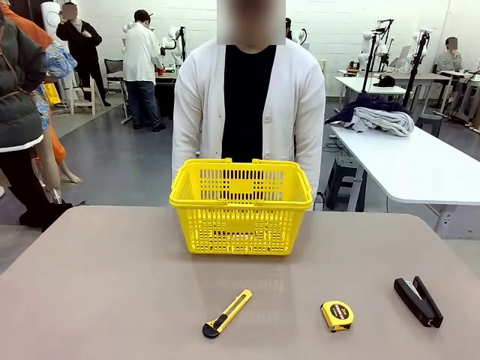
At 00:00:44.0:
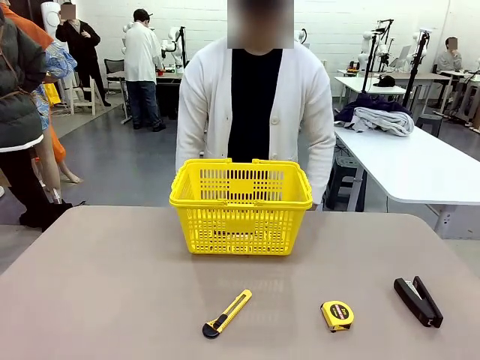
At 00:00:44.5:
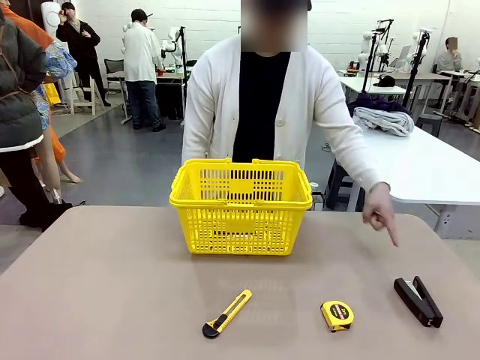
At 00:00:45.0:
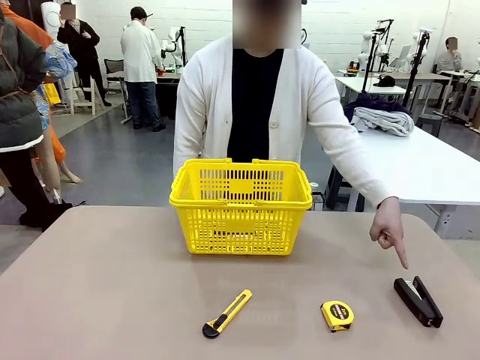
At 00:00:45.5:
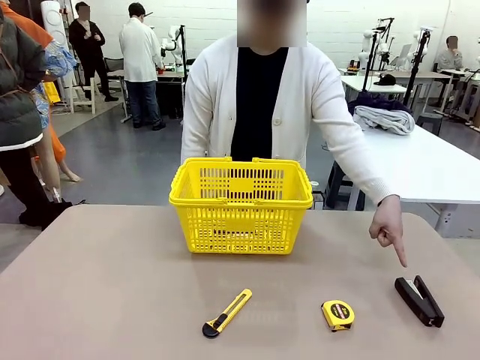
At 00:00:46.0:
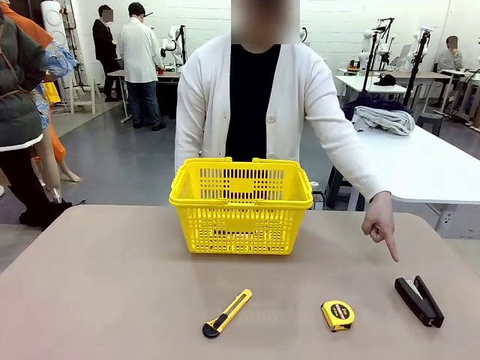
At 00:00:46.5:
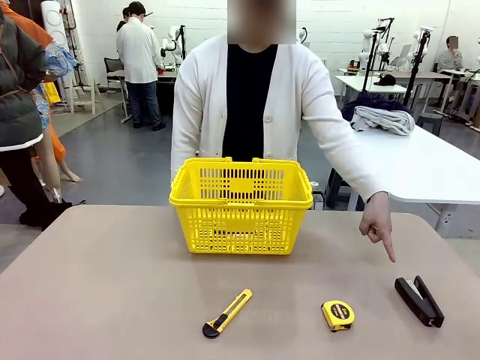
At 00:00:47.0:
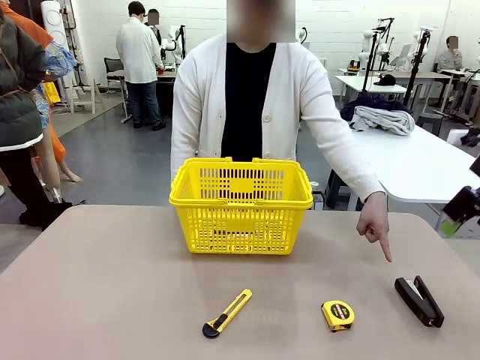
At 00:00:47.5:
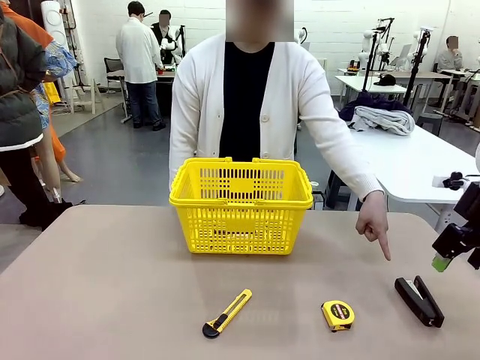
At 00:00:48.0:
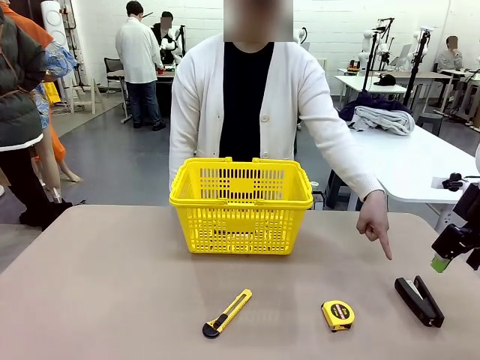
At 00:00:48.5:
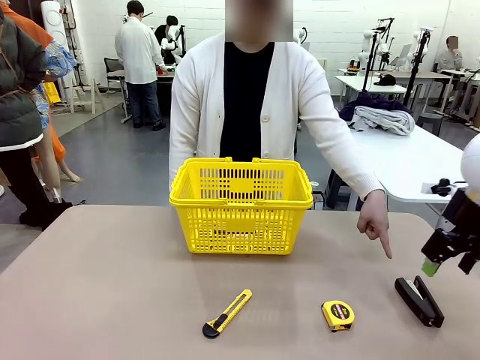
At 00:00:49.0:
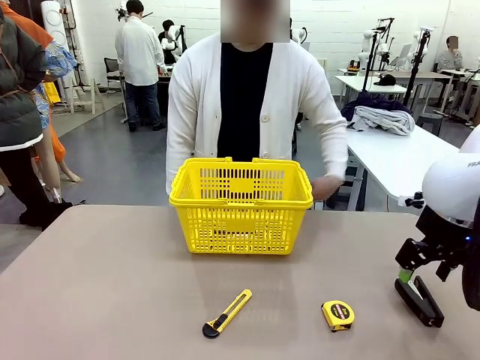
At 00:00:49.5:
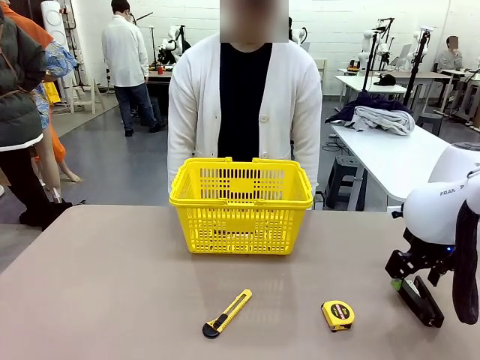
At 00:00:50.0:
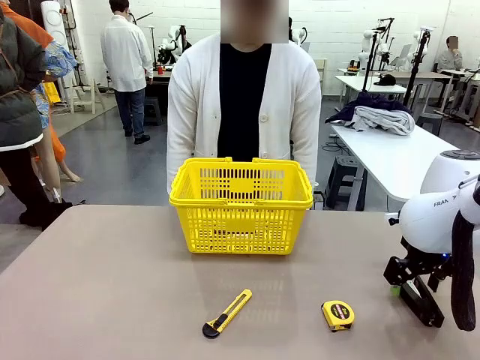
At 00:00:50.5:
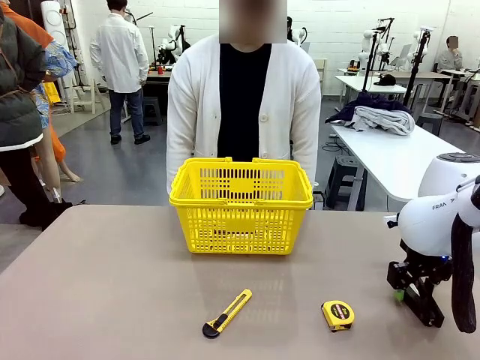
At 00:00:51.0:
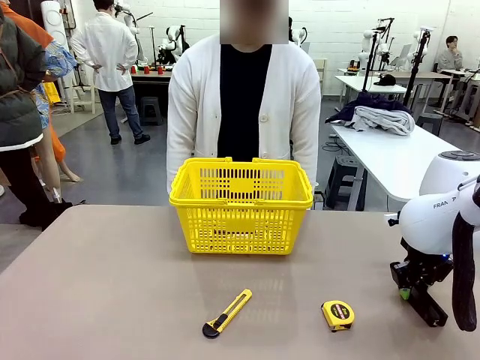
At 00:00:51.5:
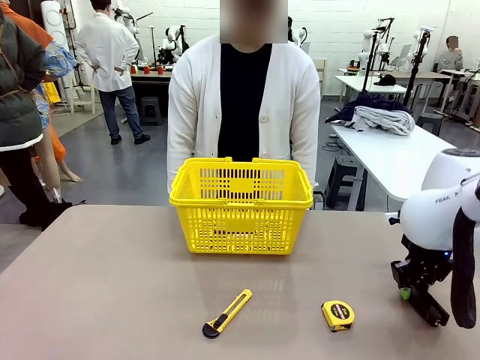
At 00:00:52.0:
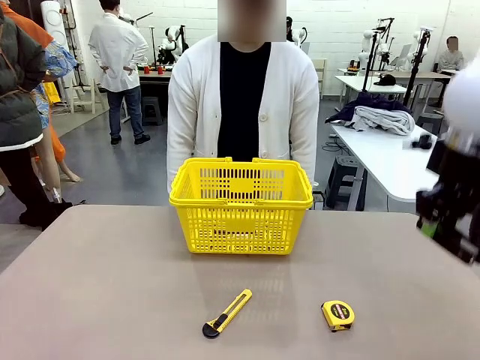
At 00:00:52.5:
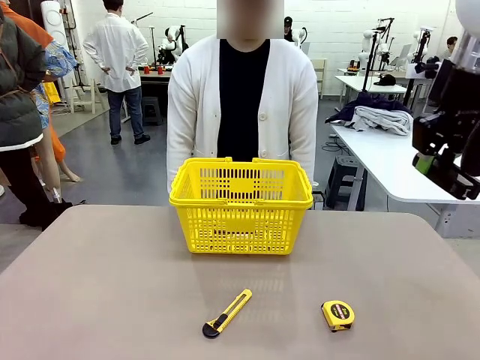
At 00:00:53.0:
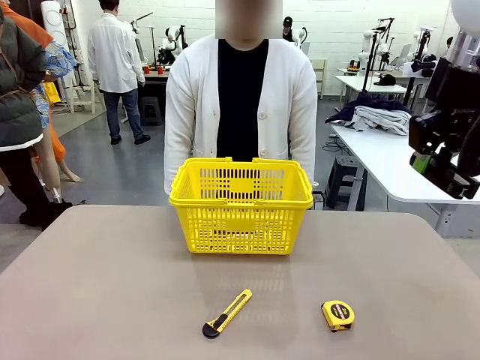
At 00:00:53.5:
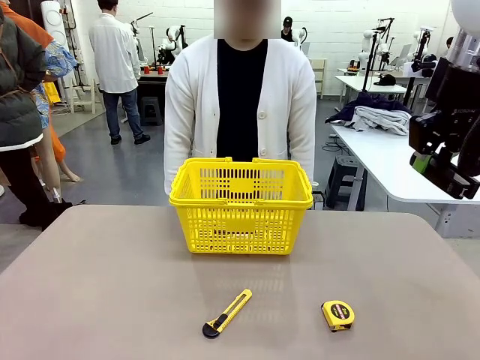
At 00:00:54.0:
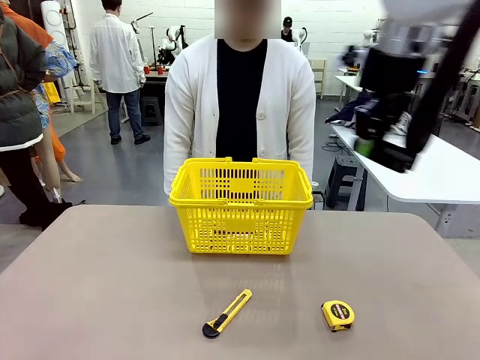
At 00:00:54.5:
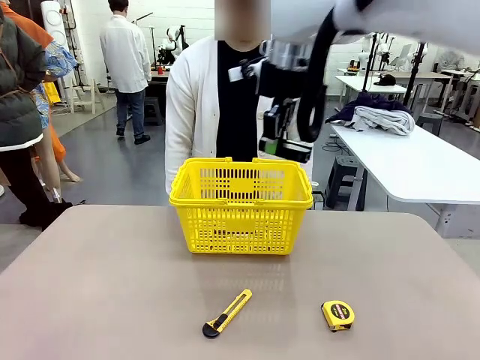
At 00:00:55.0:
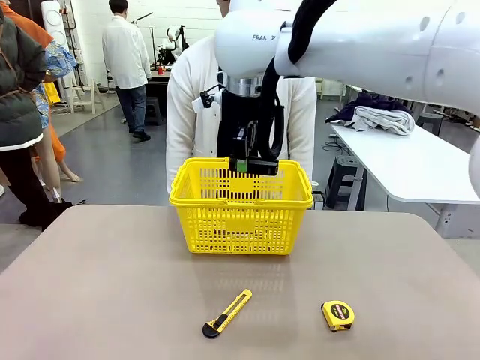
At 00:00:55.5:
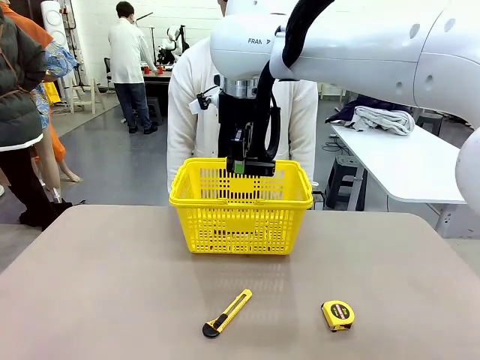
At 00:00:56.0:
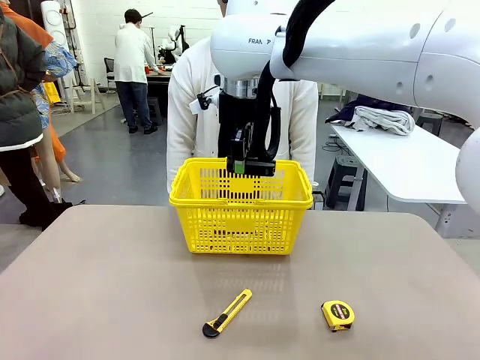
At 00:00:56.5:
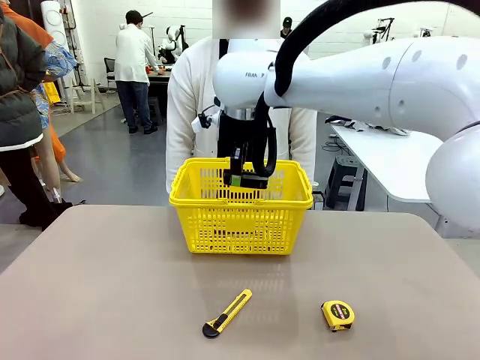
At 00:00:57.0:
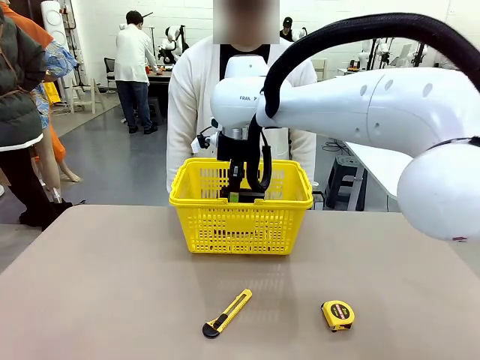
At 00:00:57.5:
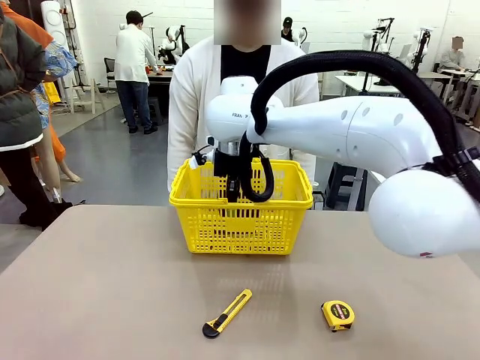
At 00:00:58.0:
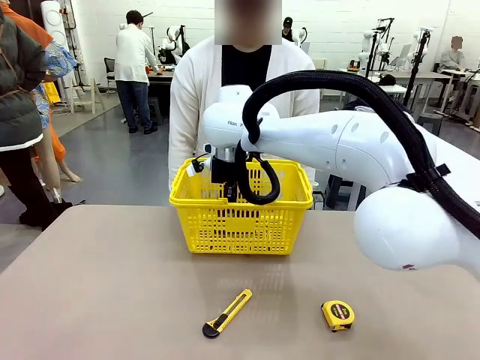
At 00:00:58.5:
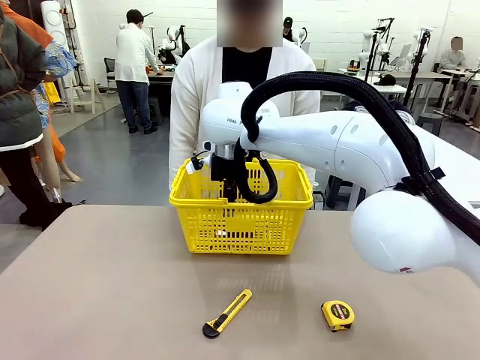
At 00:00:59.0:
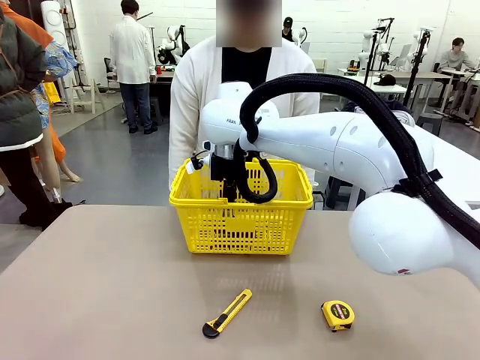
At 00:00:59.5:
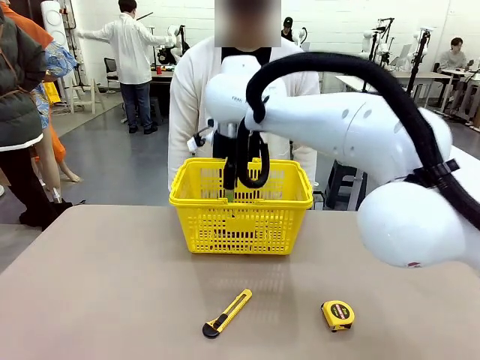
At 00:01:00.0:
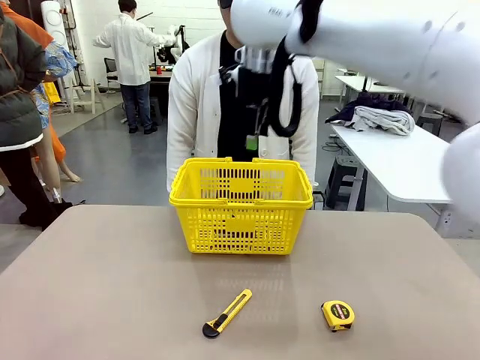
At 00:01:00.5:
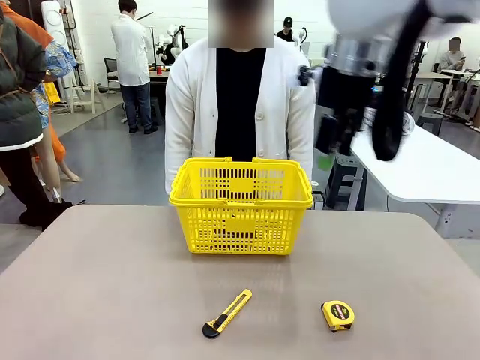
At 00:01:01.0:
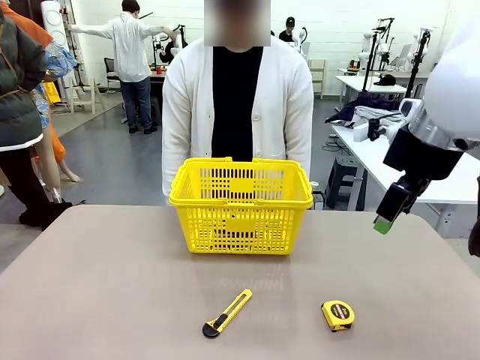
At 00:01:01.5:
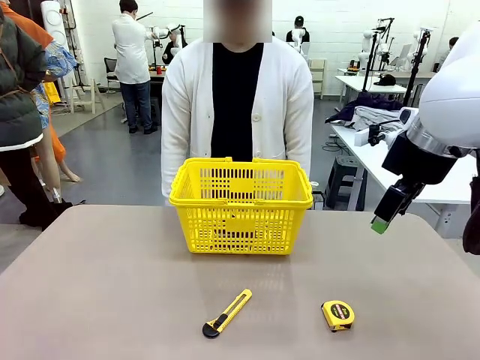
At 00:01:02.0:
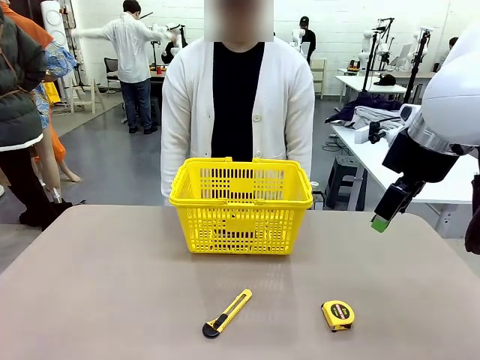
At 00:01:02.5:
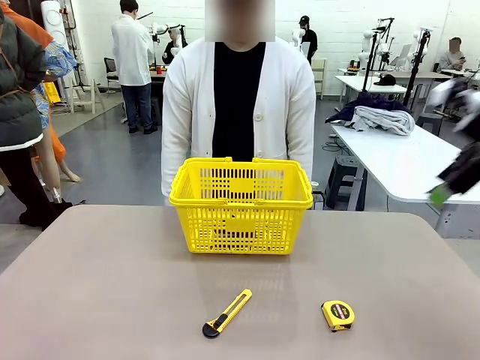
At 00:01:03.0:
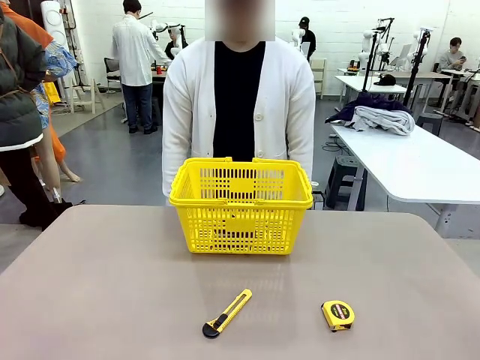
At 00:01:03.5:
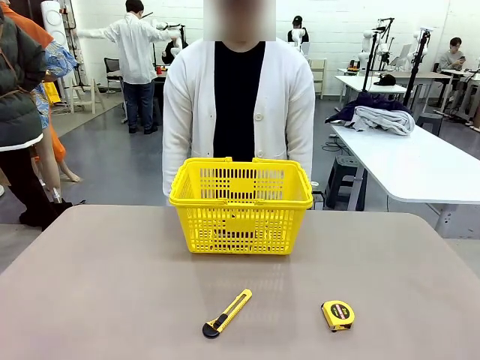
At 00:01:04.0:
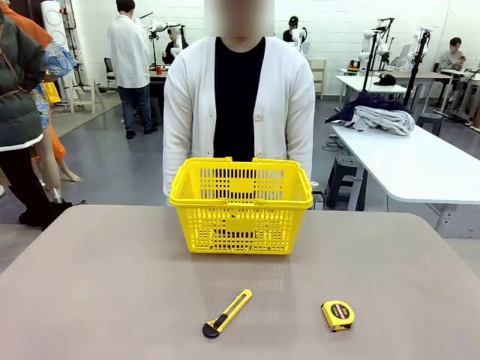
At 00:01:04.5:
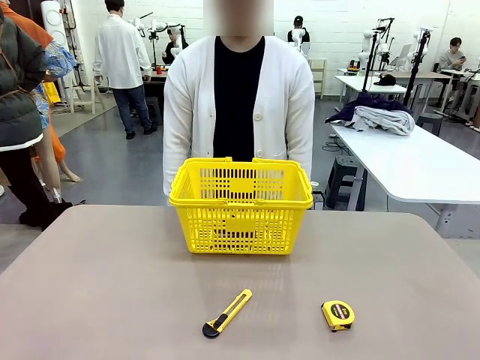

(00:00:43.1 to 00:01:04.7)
Task: Place the items the person wants into the basket.
Robot: Pick up the item the person points to and place it in the Market Basket.
